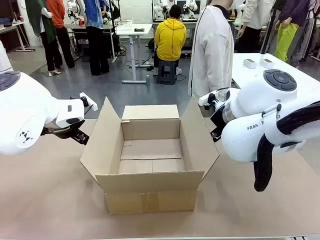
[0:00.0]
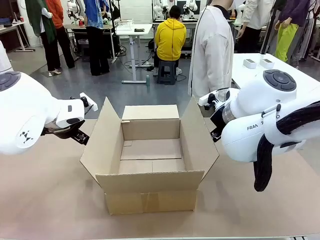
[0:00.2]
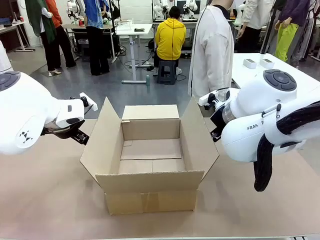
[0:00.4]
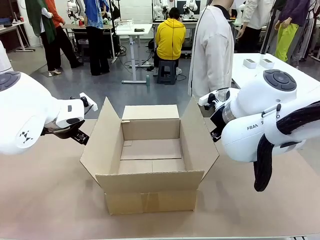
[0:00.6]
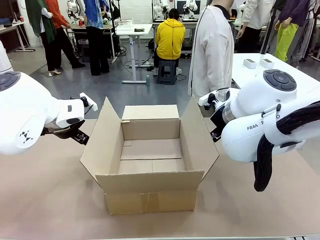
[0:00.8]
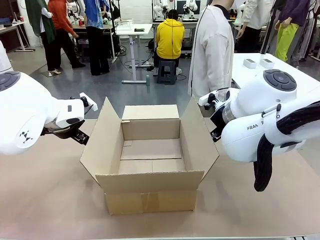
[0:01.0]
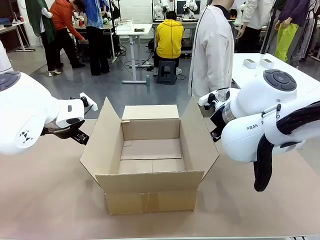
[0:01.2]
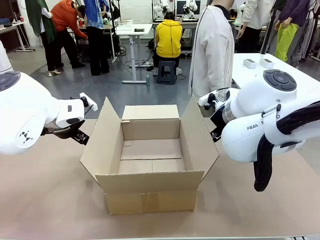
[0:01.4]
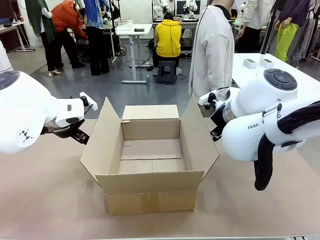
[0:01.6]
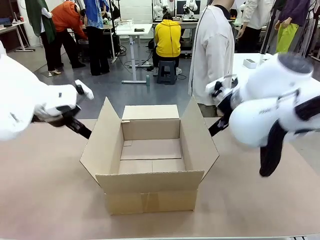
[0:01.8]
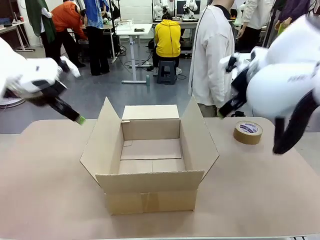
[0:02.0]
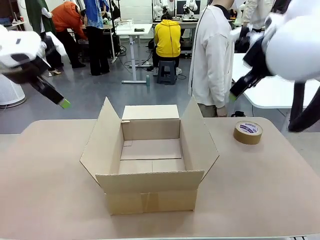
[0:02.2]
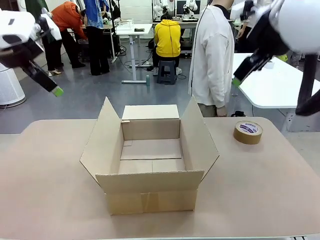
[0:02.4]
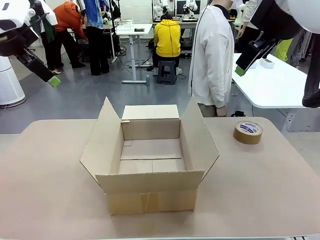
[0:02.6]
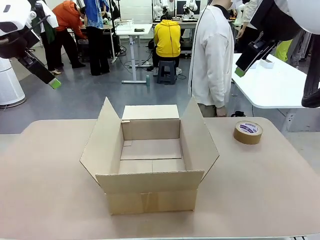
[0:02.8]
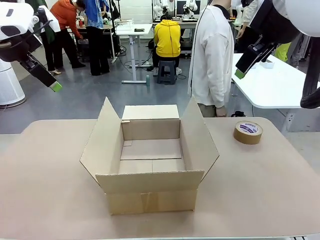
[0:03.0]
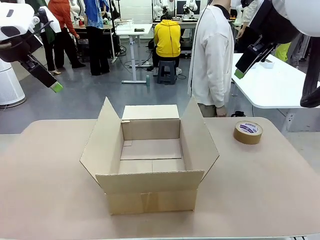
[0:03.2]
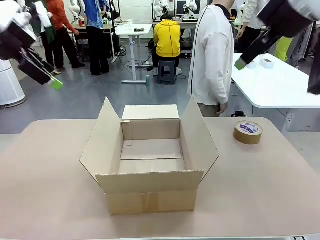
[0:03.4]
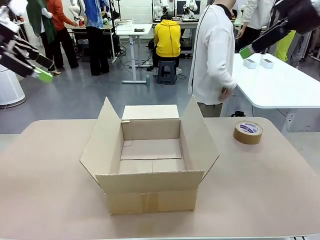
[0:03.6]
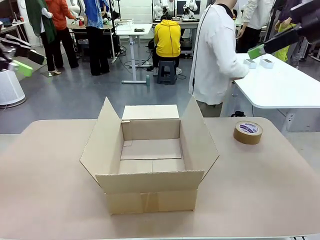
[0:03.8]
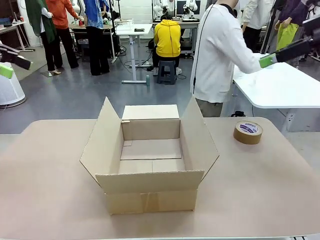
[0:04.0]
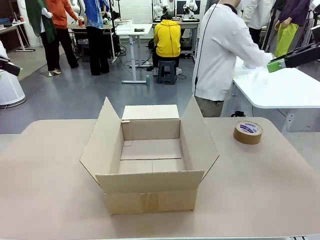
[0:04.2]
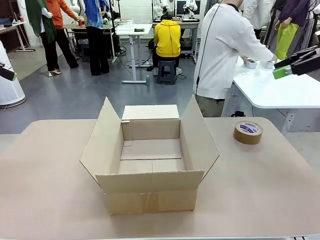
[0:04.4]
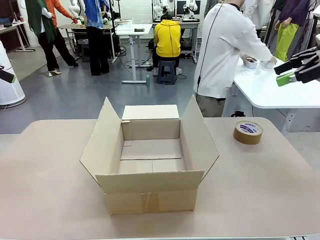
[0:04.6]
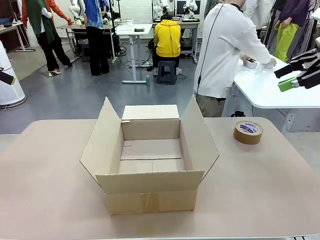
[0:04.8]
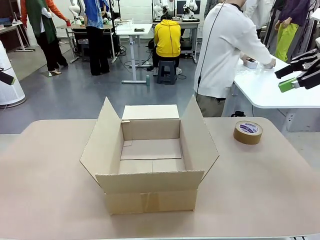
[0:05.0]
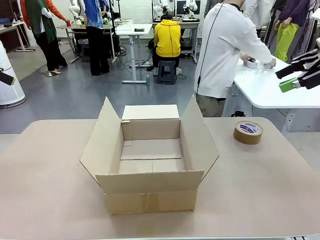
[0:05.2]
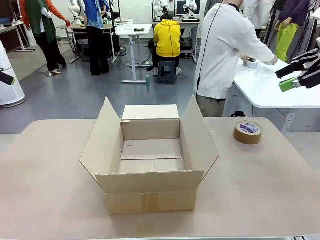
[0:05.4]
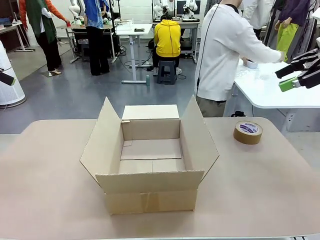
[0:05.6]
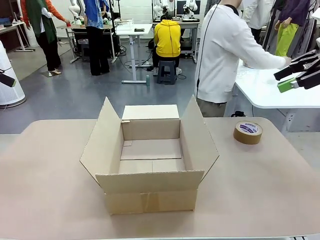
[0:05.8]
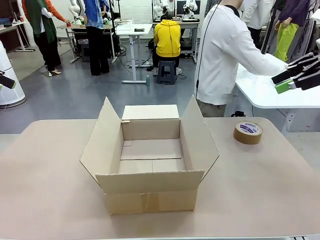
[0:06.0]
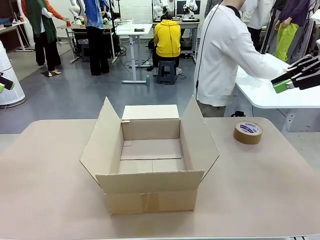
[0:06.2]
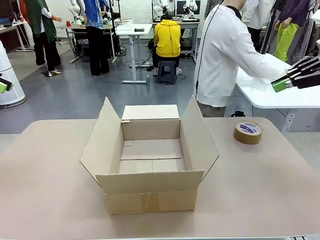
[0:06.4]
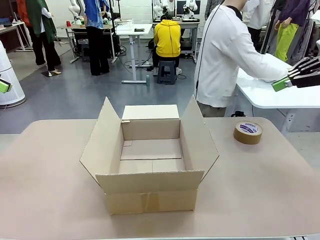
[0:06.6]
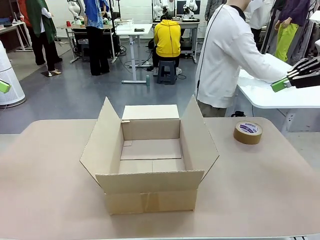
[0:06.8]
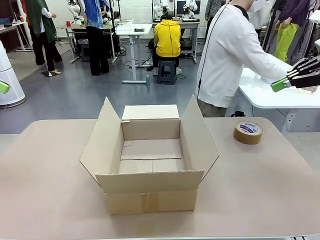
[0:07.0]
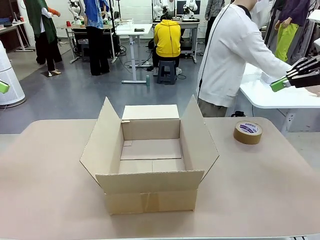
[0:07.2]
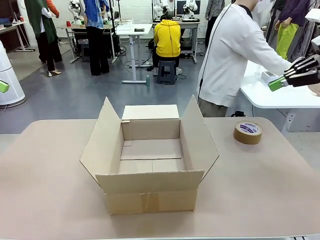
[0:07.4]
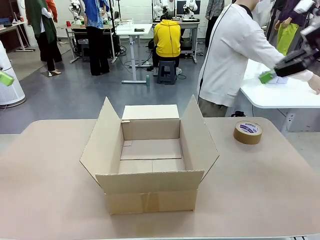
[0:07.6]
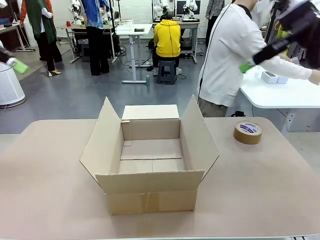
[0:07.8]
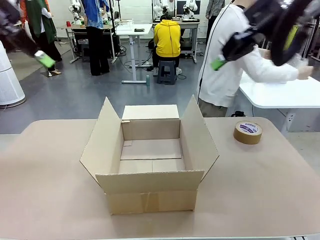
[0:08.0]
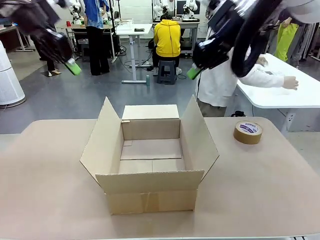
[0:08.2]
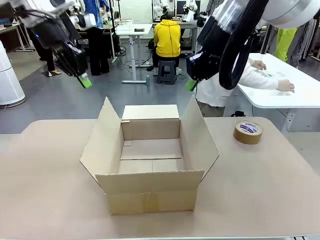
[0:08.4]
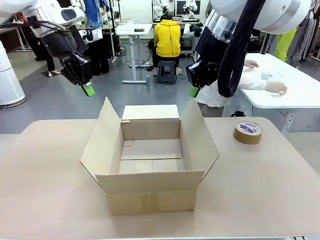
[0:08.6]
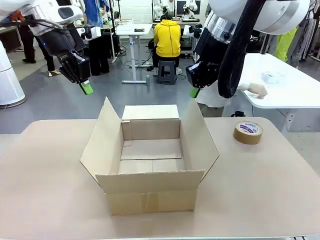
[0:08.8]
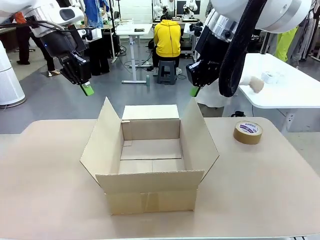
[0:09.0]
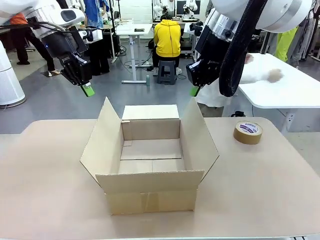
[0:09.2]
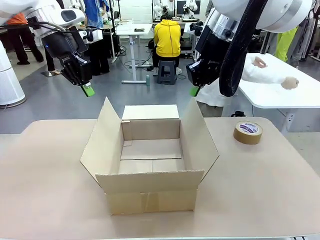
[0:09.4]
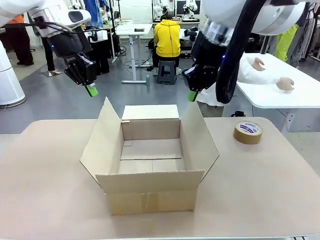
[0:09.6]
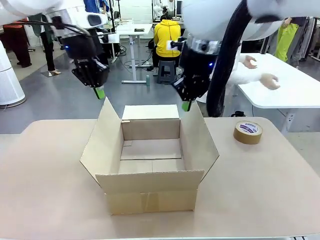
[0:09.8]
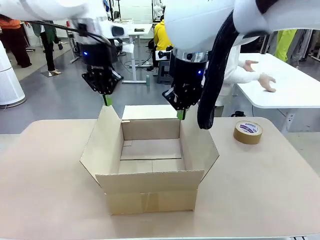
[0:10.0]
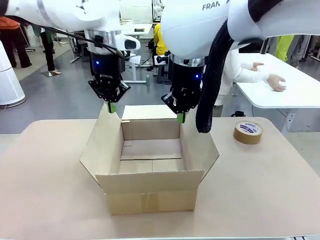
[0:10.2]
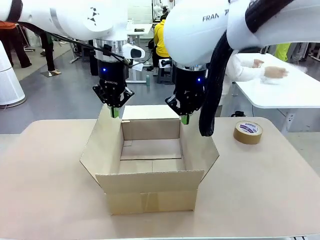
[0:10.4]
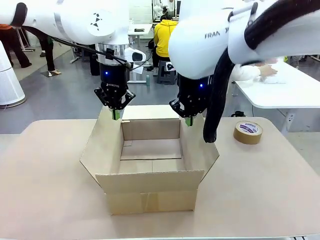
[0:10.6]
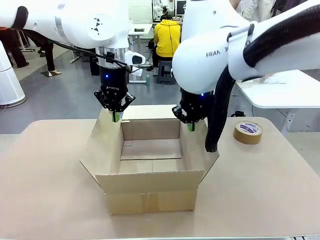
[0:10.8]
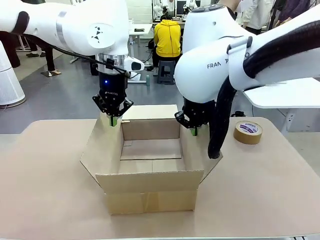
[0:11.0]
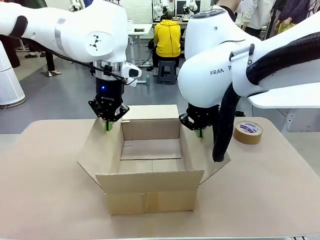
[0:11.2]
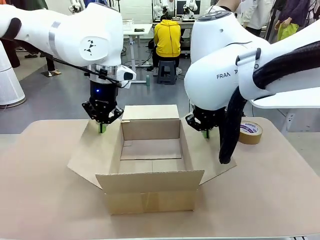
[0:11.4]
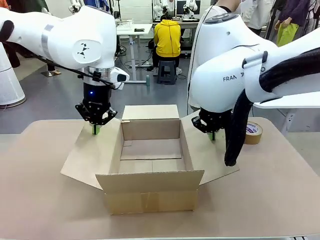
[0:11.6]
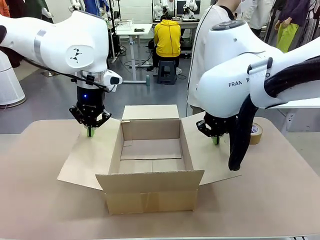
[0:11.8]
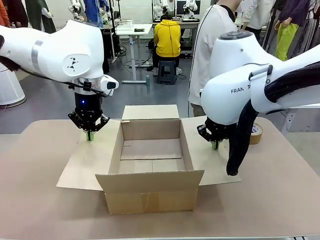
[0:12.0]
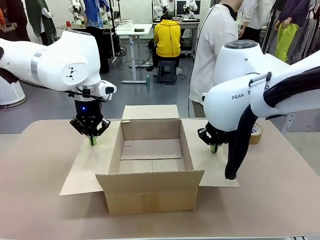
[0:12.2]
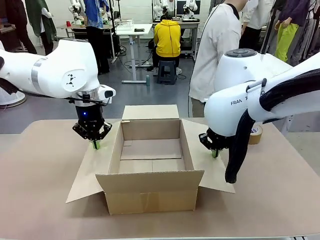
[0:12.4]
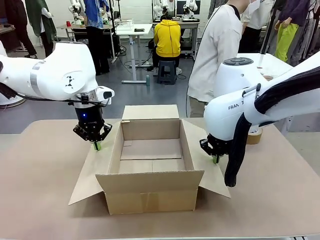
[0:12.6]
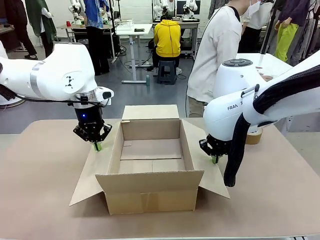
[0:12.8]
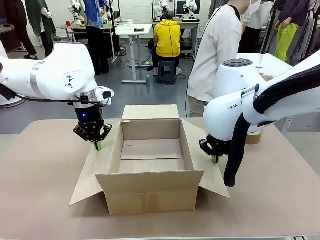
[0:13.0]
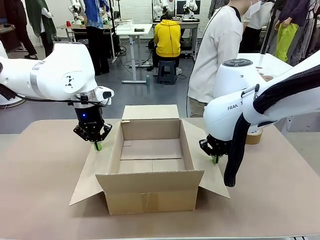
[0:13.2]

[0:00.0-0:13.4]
Task: Wrap the clocks to prevent damage.
Robot: Open the side flaps of the Package Box.
Person: Wrap the two Digital clocks with Bubble Wrap.

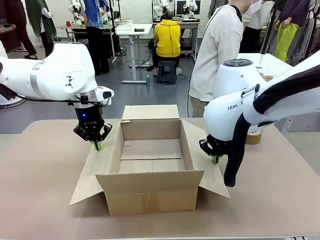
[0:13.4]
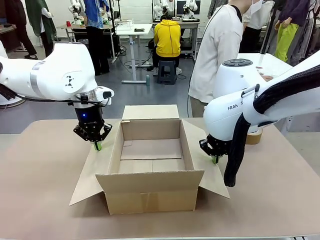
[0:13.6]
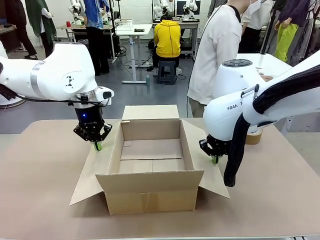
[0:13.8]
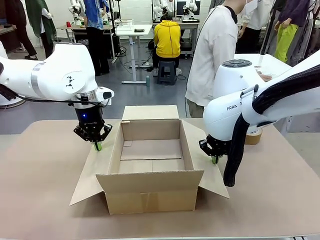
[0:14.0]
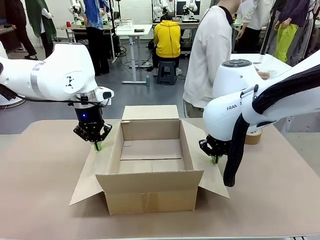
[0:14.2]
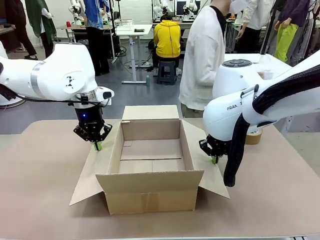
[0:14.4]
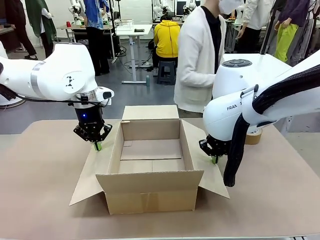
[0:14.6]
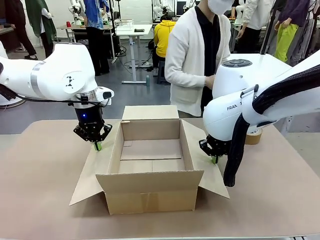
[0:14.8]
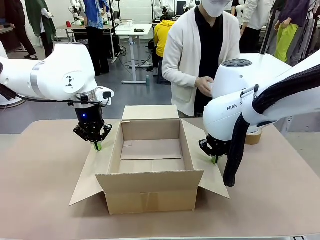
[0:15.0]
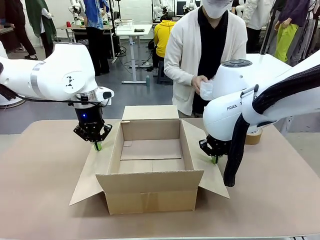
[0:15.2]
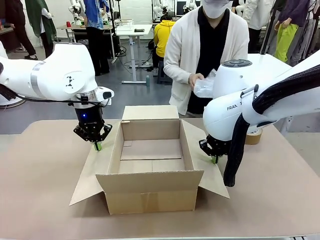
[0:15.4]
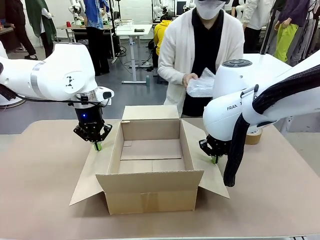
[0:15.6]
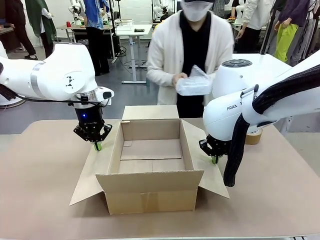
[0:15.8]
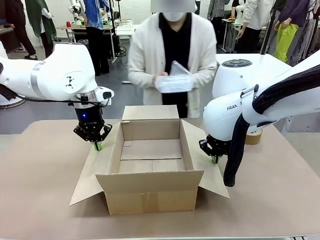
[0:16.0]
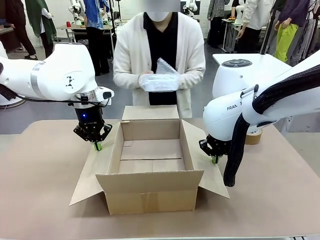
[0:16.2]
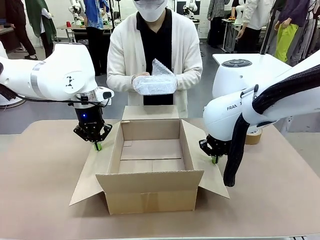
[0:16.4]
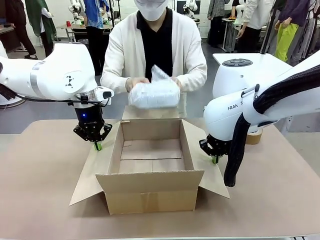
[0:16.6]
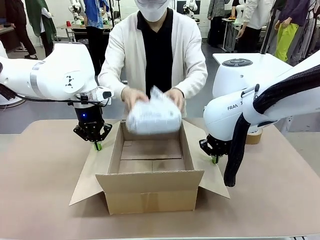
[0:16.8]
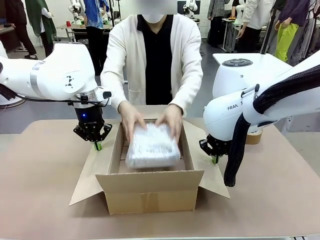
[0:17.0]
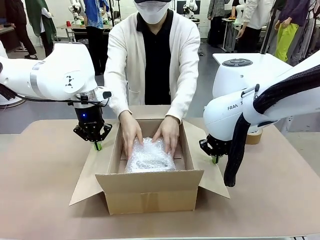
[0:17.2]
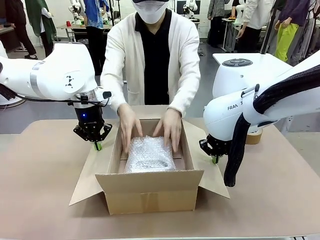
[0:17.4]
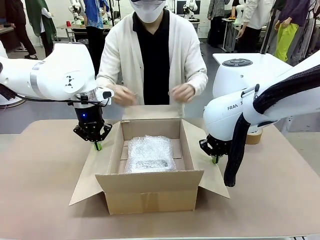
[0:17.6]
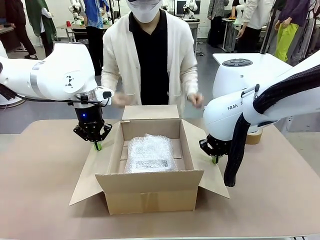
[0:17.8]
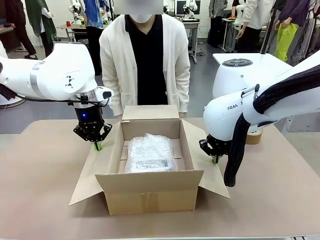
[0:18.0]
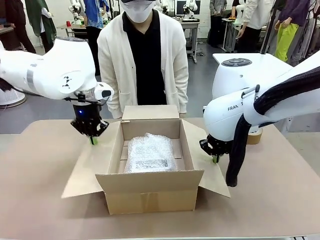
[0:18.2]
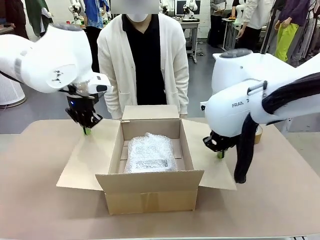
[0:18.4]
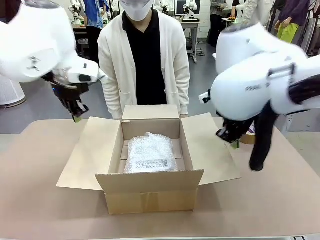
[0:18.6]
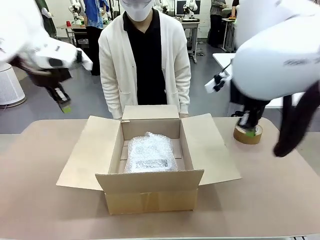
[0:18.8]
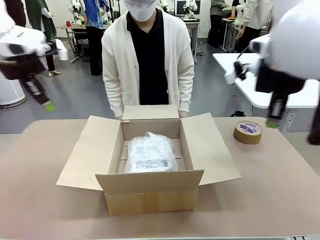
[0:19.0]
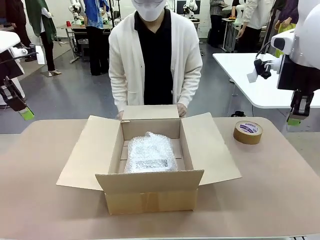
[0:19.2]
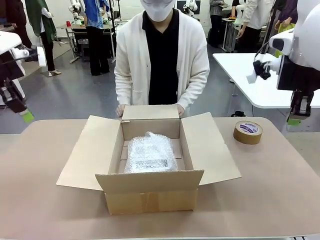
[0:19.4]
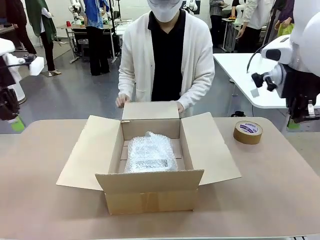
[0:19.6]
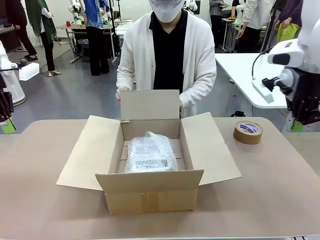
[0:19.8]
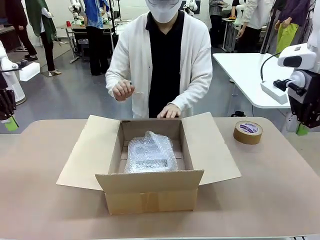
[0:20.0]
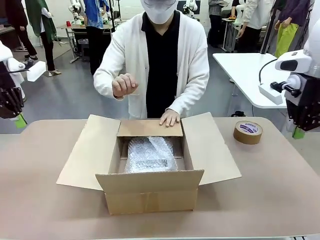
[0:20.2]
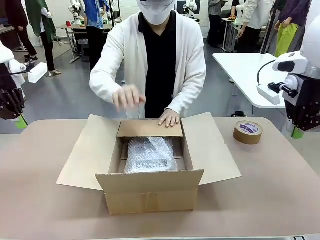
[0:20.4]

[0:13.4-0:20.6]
Robot: Once the human has placed the objects inside and stepped back, release both hands from the side flaps of the Package Box.
Person: Place the wrapped Digital clocks inside the Package Box. Hold the top and bottom flaps of the Package Box closed with your left (or right) hand.
